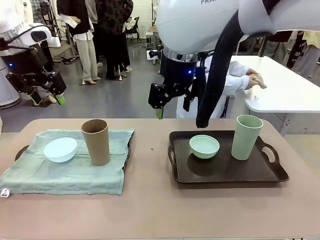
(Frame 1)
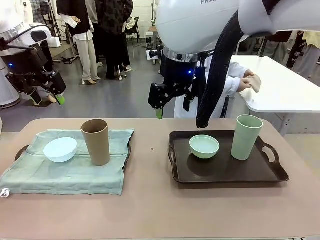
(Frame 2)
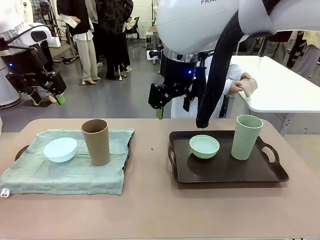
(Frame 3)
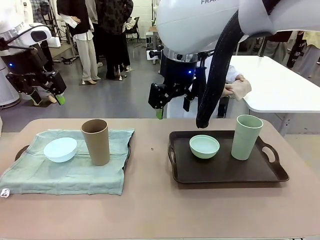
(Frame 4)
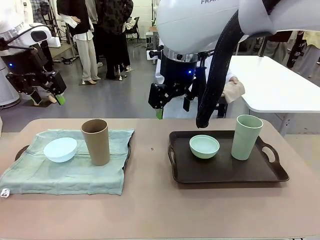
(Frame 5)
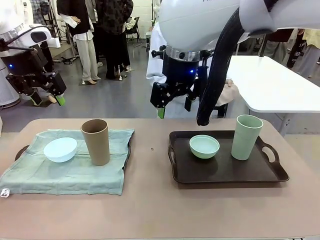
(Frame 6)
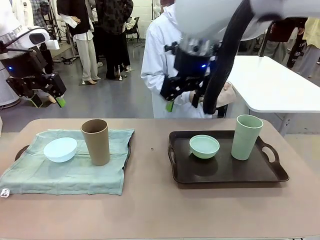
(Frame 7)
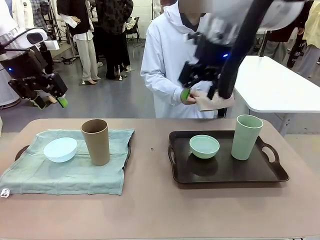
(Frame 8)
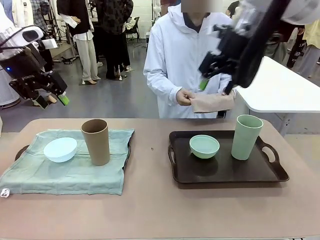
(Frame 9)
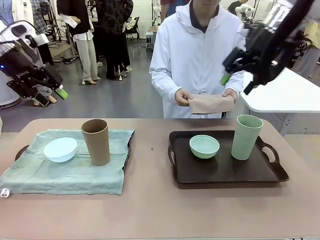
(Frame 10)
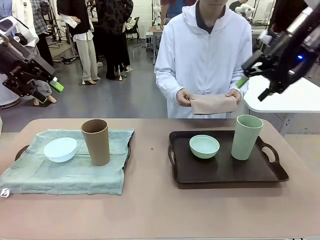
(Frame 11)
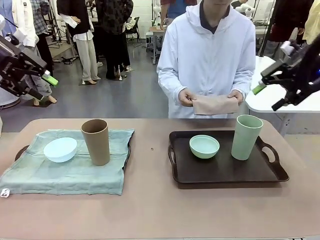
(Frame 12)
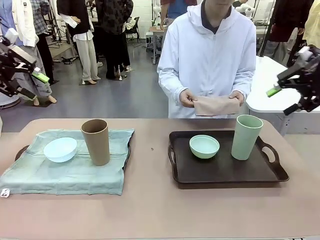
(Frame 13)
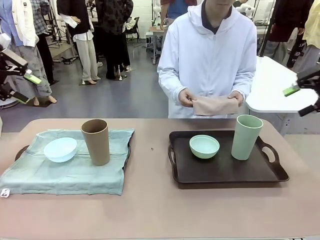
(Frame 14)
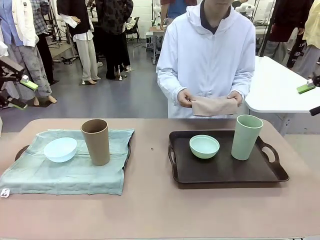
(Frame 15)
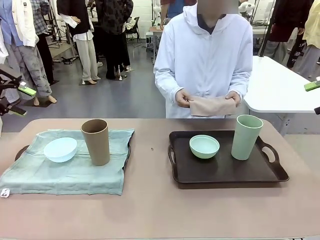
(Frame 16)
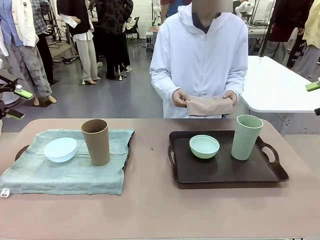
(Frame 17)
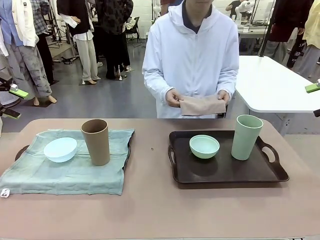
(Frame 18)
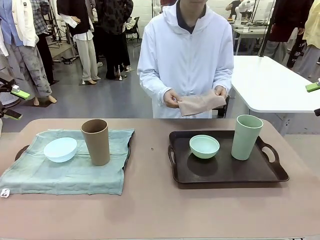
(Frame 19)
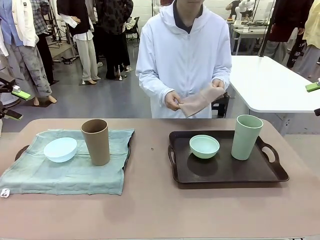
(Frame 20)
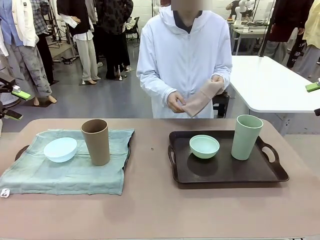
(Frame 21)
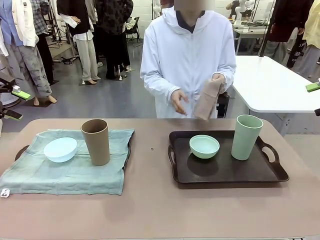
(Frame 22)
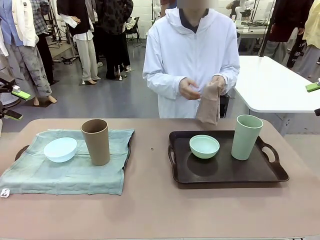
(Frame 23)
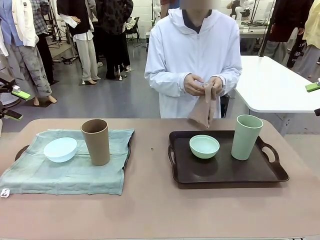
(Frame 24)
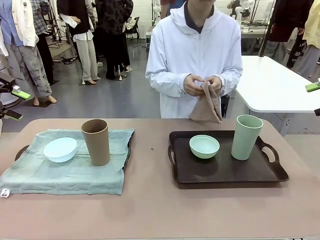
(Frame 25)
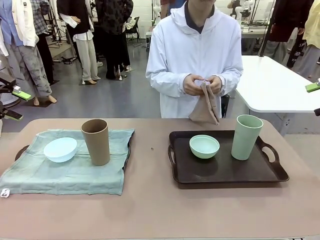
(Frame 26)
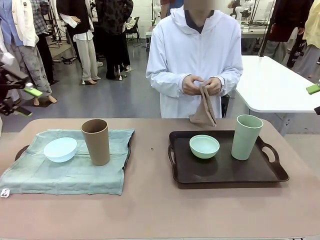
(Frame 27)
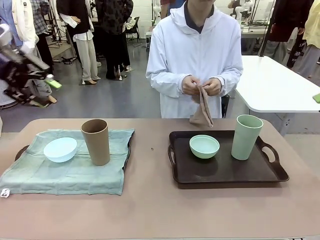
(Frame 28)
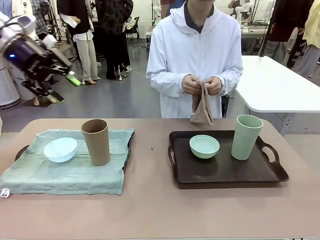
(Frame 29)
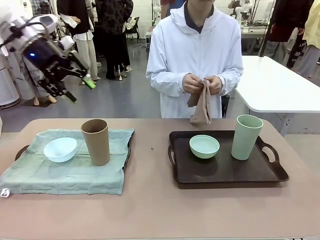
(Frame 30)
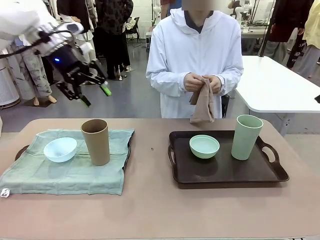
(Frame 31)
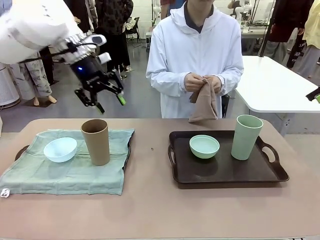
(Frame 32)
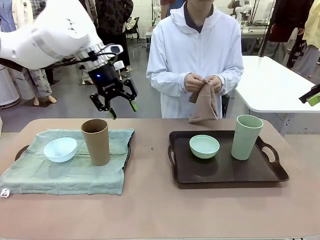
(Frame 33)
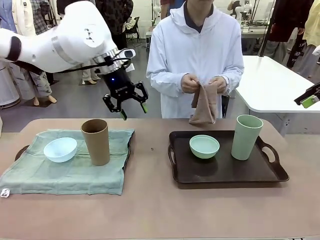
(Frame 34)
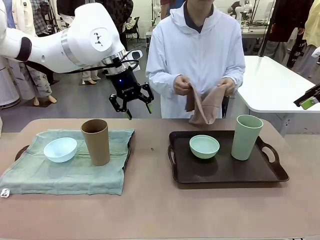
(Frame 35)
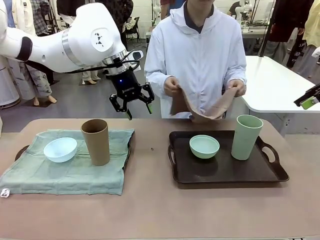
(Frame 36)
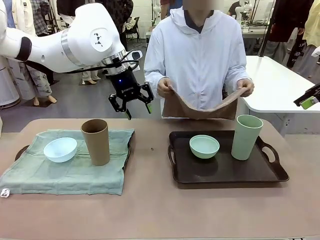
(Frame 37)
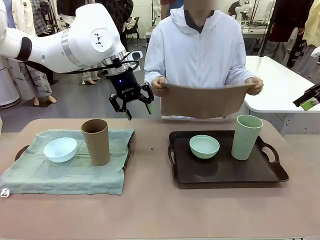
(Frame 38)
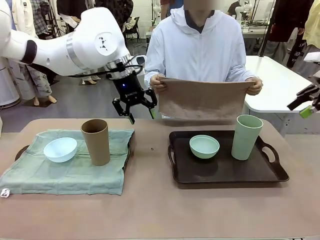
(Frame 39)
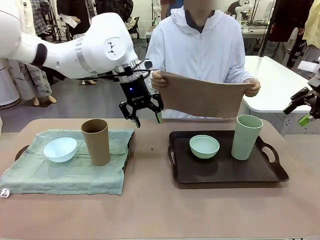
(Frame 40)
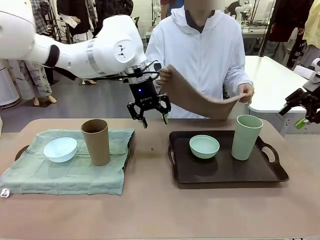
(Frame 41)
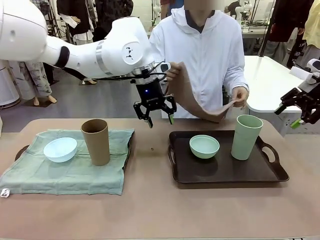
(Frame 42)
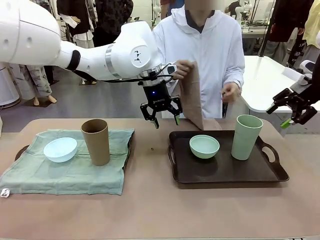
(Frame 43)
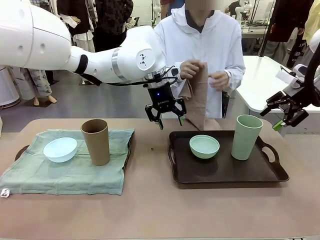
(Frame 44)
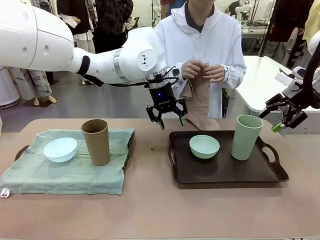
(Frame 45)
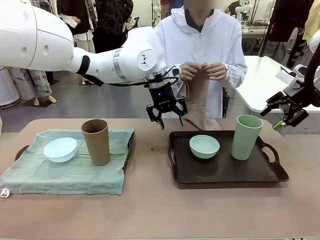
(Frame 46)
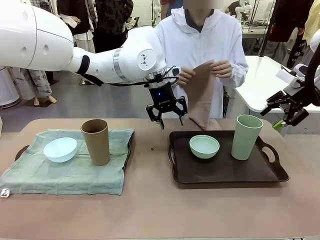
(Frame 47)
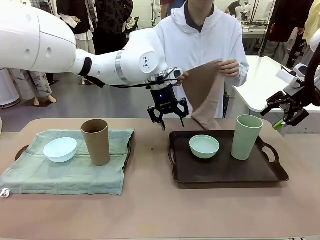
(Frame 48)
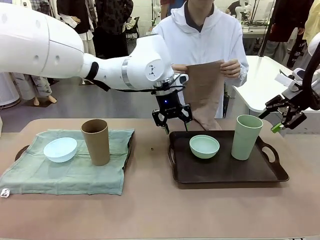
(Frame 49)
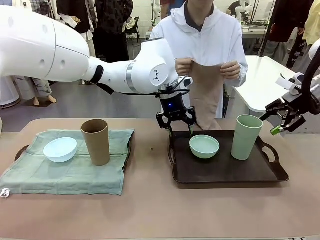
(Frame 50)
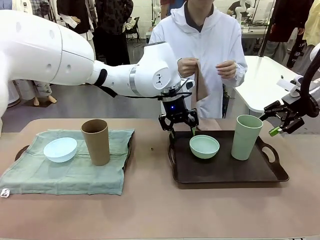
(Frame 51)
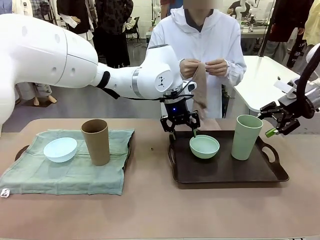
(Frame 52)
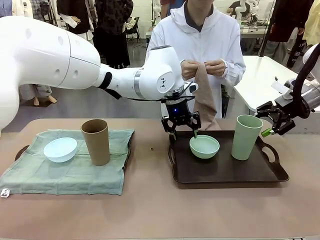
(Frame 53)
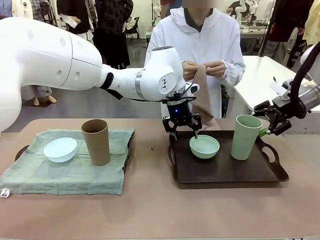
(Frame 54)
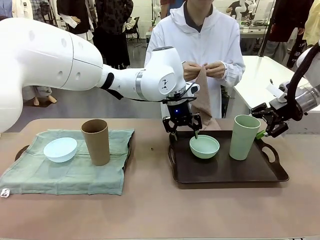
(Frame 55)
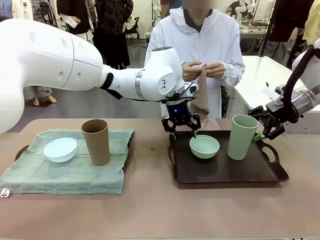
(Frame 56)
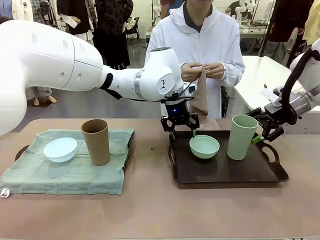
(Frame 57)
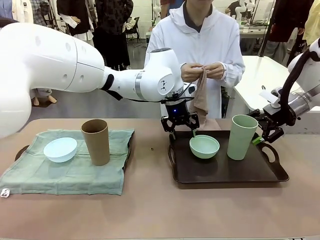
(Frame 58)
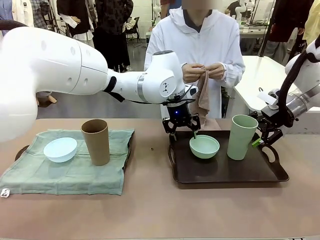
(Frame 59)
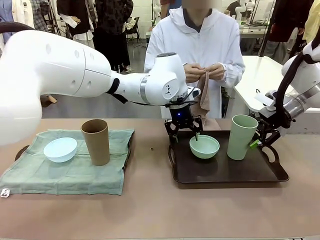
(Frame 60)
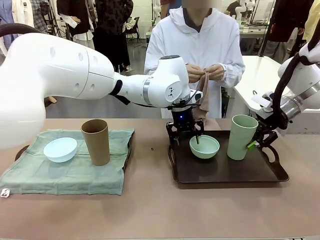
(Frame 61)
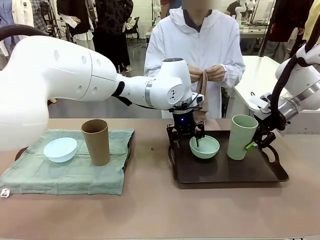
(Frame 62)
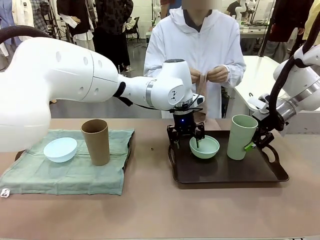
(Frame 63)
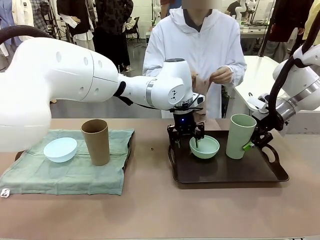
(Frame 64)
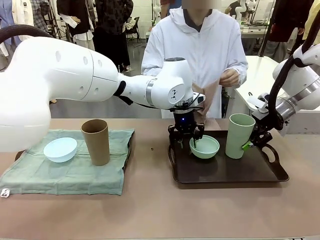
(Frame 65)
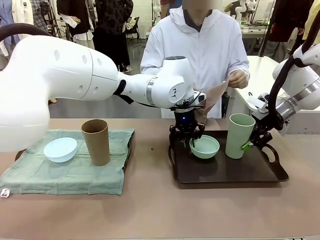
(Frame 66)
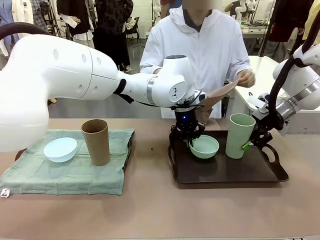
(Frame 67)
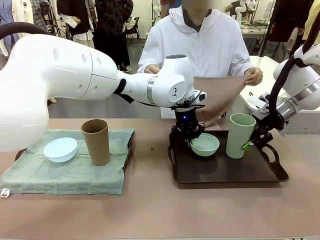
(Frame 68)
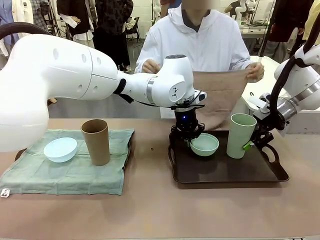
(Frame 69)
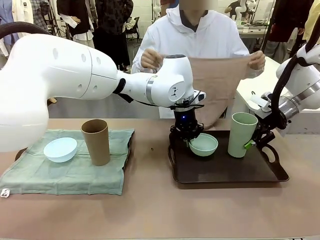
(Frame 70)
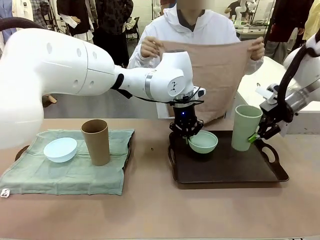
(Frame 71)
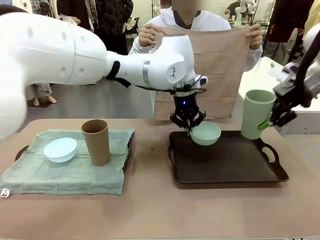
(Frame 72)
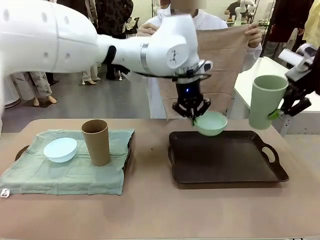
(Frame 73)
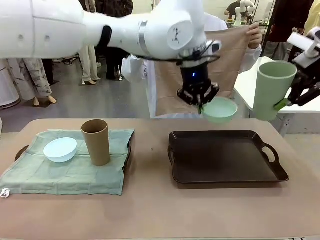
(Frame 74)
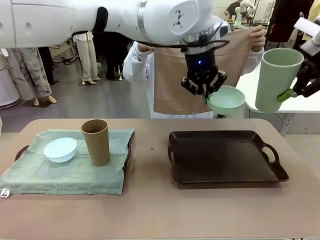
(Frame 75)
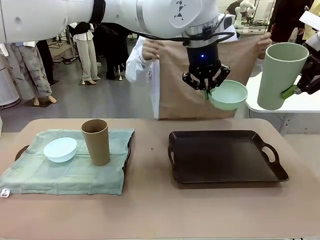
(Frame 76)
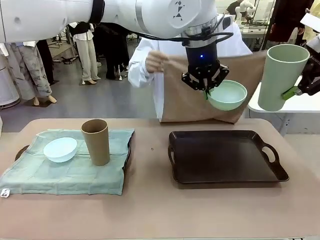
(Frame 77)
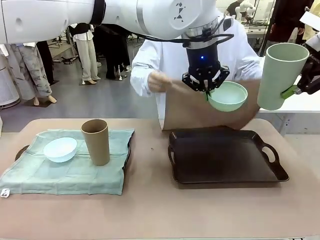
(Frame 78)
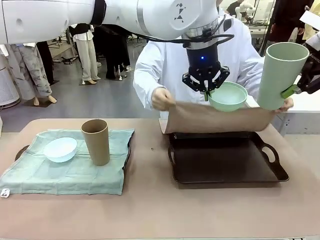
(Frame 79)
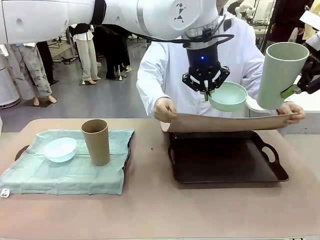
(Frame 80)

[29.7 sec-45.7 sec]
Robot: Pick up the Picnic Bowl and Reusable plastic cup from the Handle tray in front of the human's position and hold them in the air.

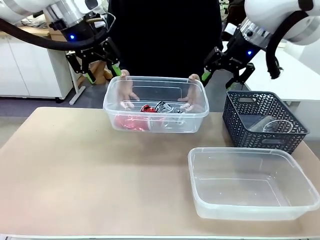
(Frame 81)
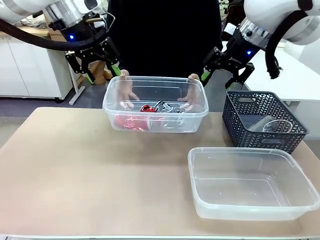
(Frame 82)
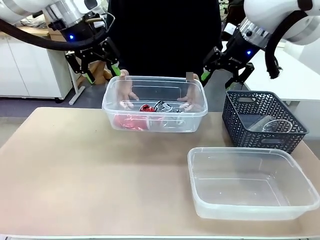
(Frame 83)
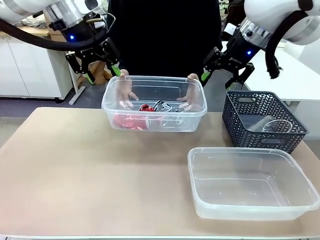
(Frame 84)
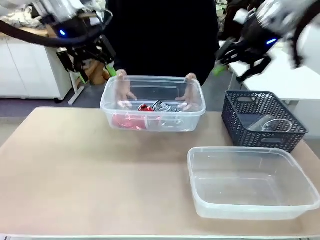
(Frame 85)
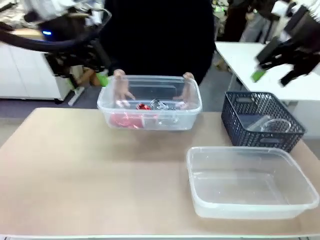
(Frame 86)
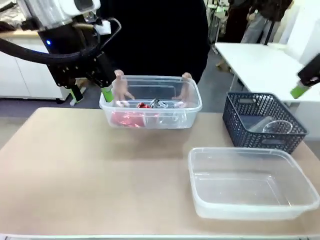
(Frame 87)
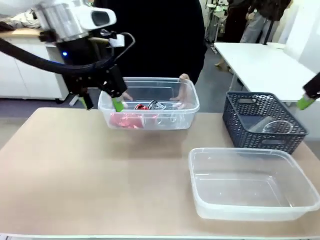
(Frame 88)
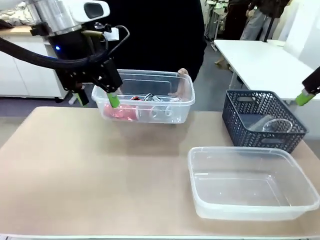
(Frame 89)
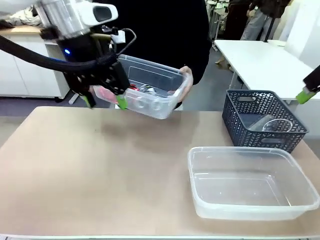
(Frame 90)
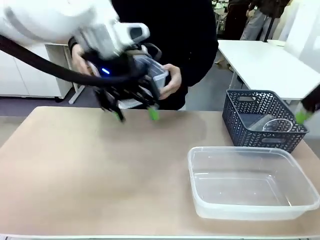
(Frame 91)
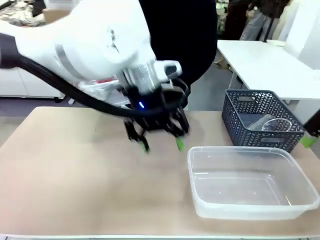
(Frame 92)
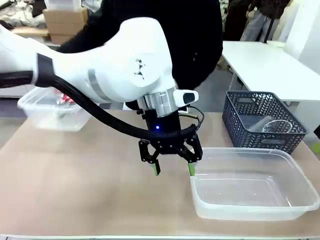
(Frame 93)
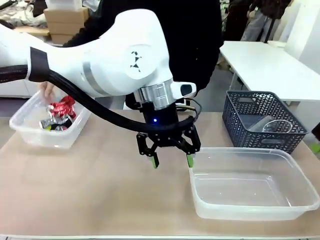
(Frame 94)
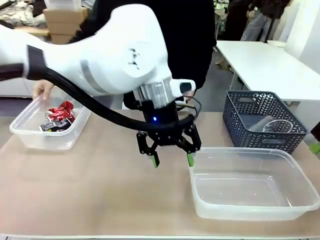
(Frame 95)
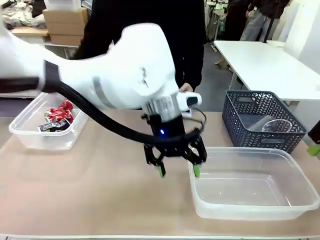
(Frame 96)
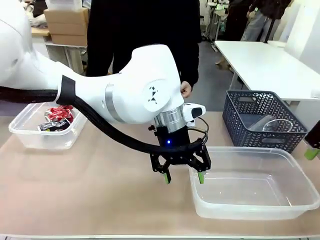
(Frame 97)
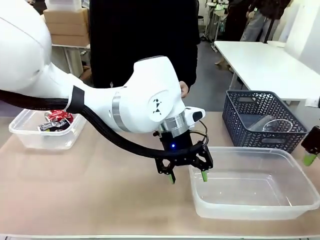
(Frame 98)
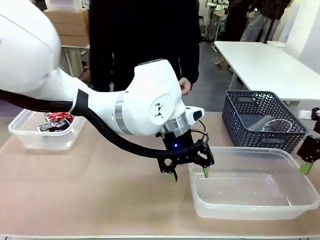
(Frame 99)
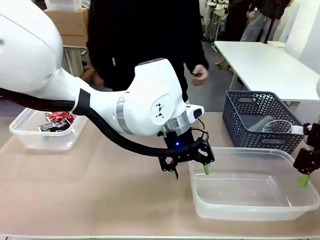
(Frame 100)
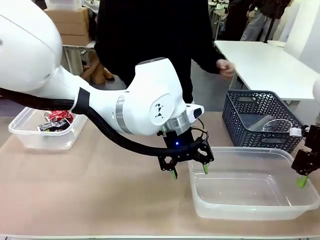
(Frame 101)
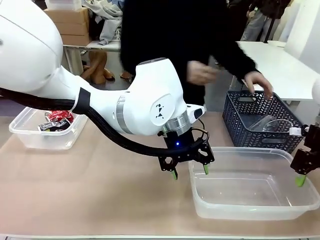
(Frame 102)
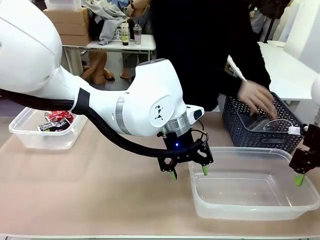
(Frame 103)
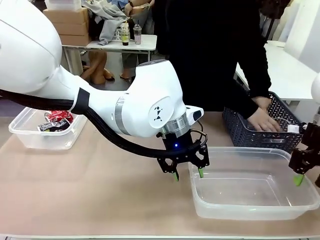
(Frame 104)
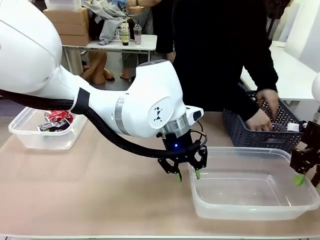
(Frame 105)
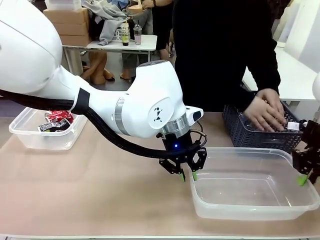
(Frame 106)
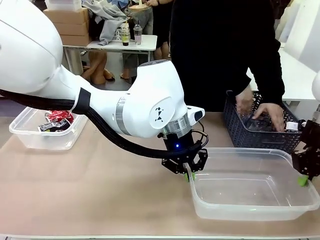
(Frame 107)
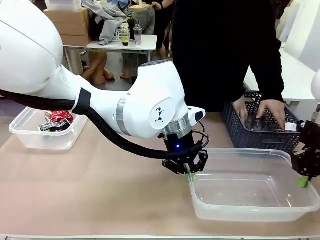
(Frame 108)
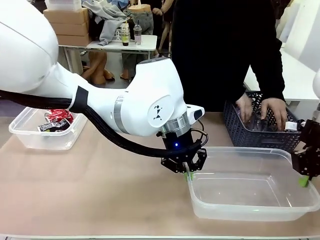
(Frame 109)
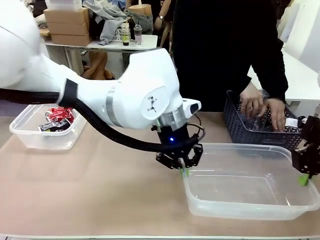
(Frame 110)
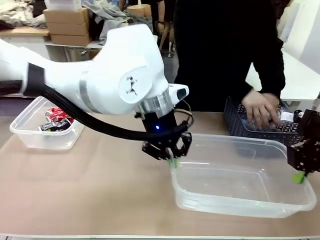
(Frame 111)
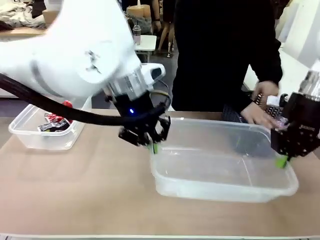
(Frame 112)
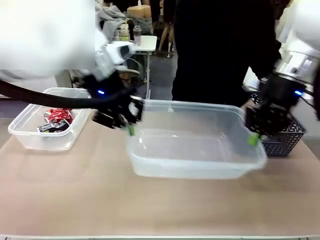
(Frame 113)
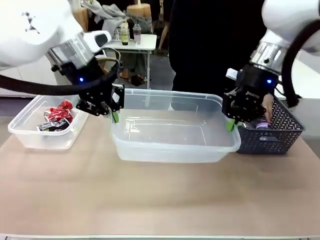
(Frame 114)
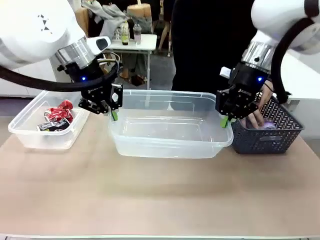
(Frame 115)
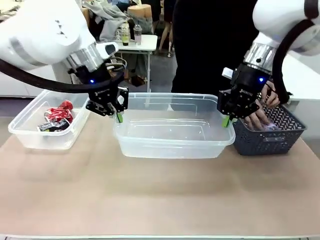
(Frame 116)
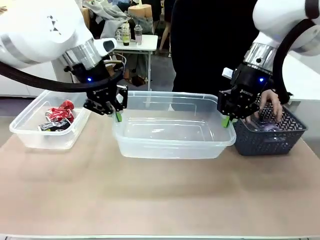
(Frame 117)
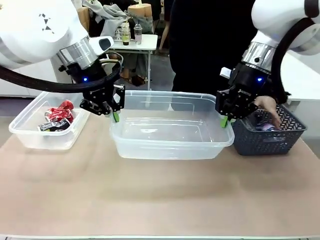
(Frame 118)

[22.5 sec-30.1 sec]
Robot: Pick up the Organizing box on the right side of the table and lift it.
Person: Place it at the edge of the bottom right area of the robot table.
